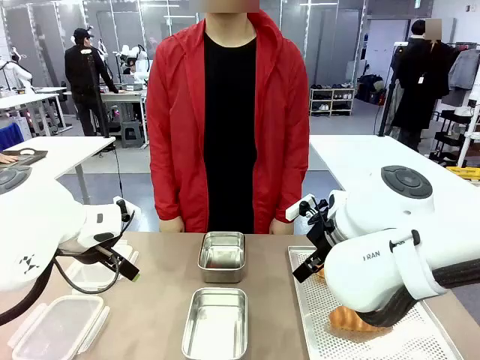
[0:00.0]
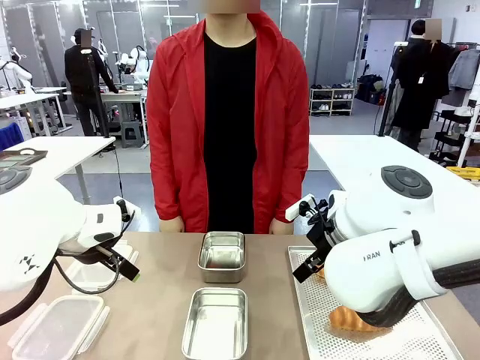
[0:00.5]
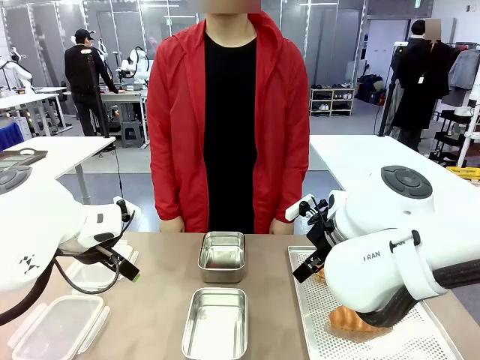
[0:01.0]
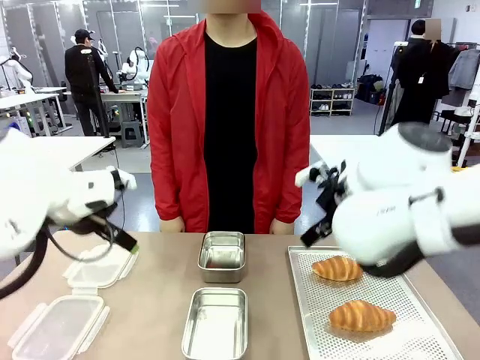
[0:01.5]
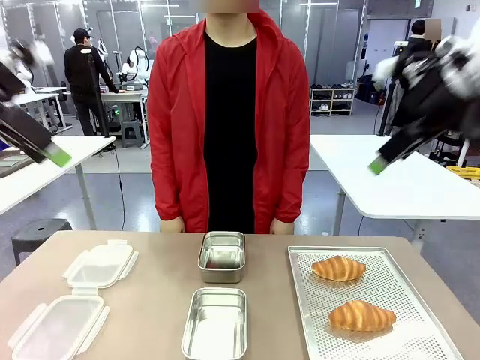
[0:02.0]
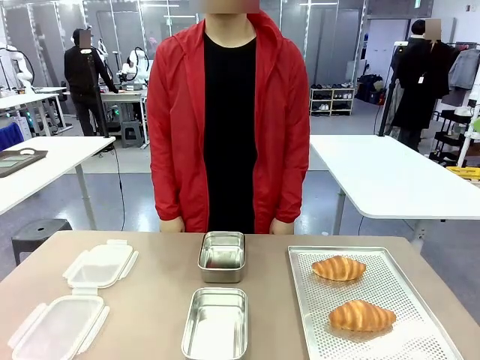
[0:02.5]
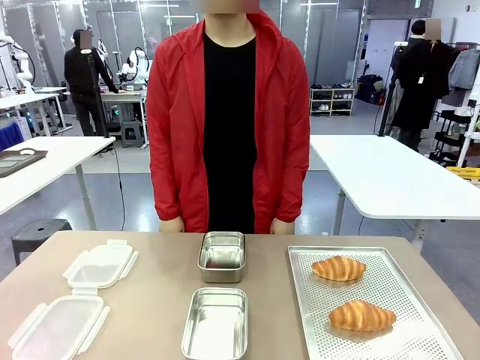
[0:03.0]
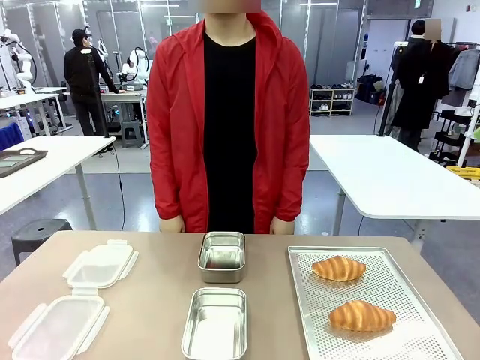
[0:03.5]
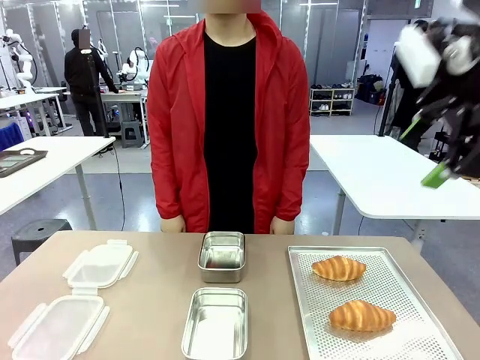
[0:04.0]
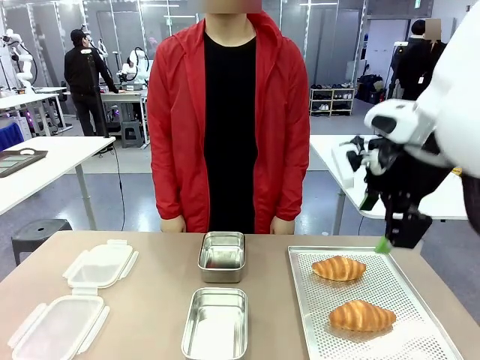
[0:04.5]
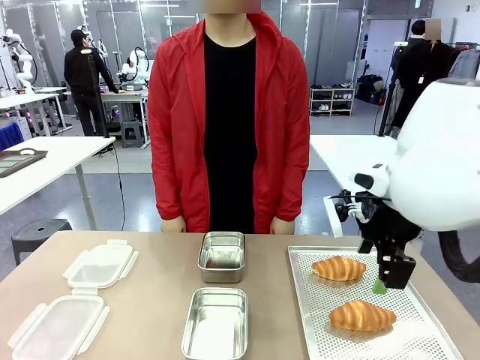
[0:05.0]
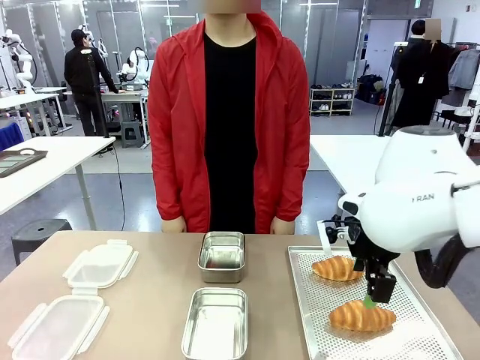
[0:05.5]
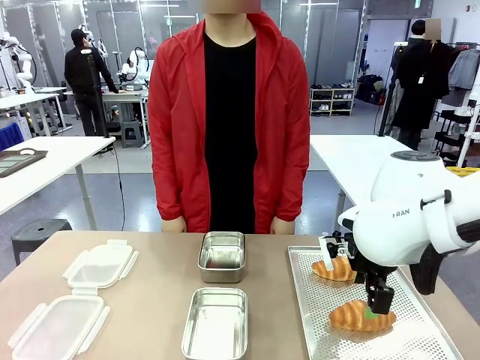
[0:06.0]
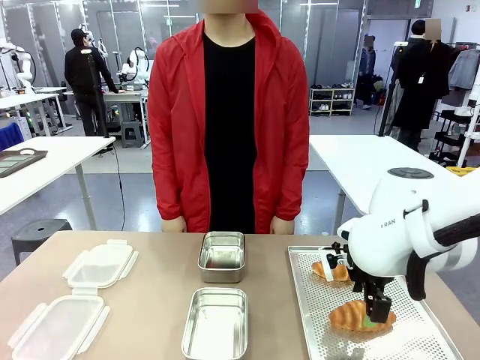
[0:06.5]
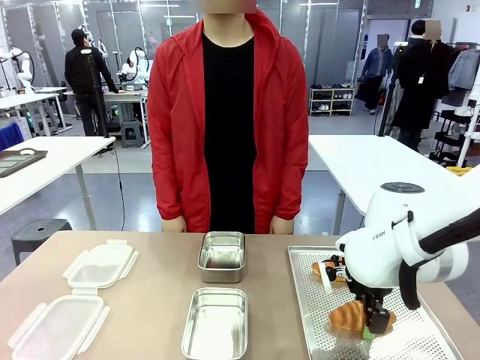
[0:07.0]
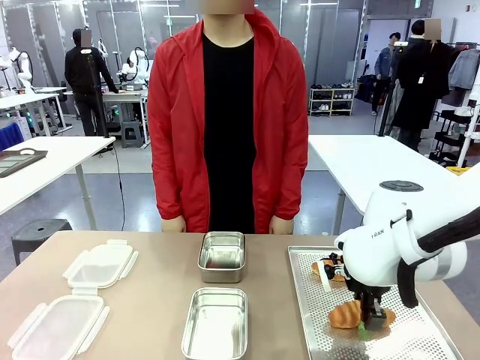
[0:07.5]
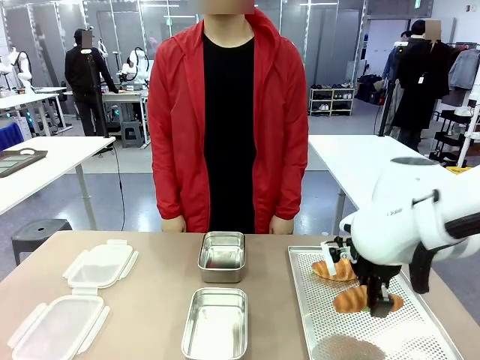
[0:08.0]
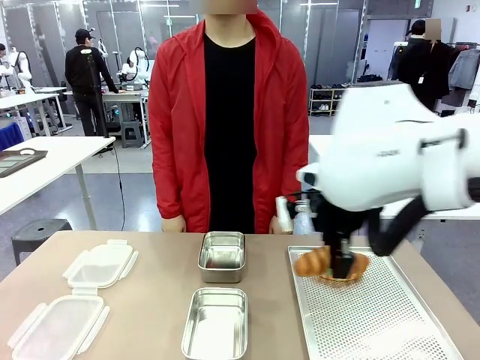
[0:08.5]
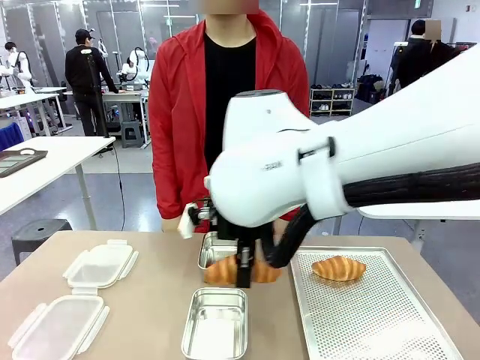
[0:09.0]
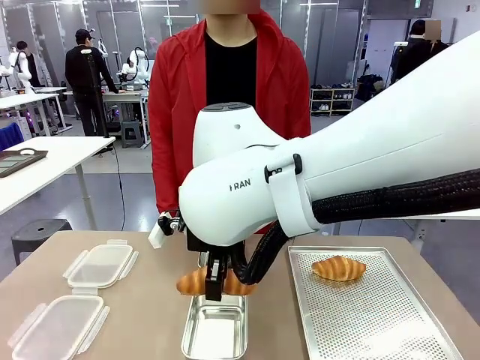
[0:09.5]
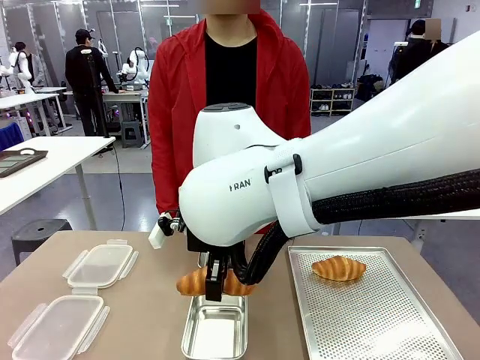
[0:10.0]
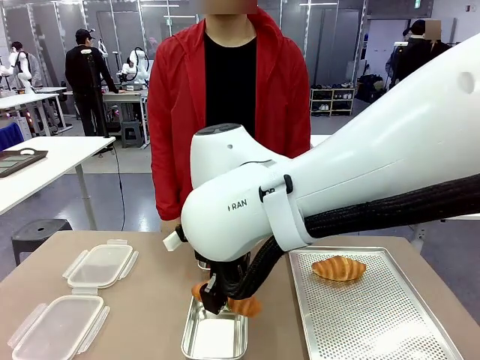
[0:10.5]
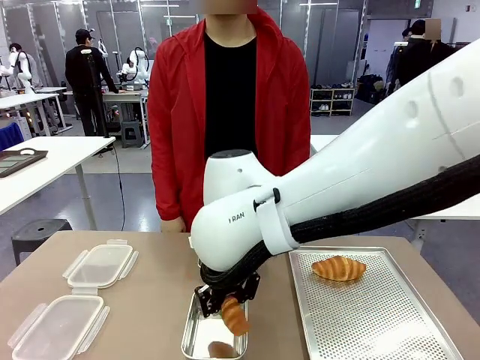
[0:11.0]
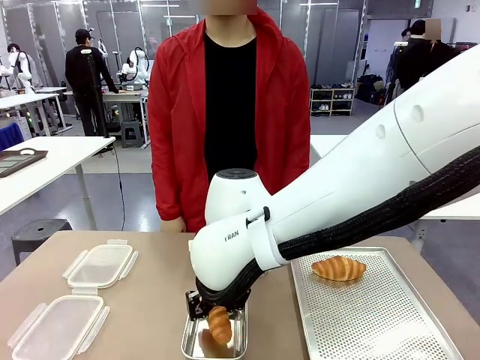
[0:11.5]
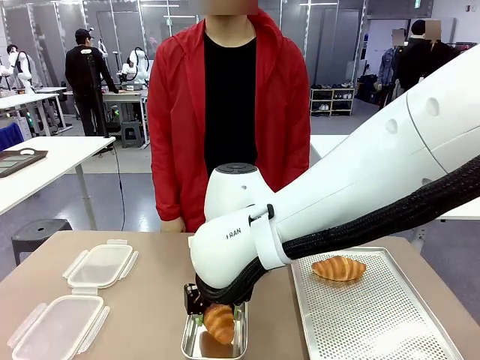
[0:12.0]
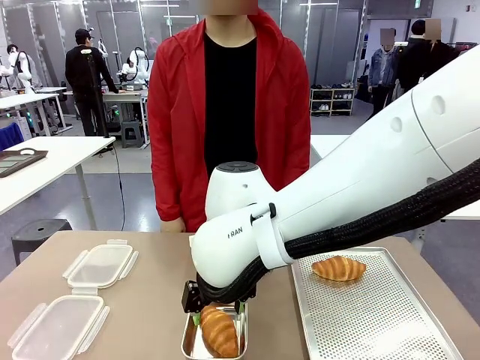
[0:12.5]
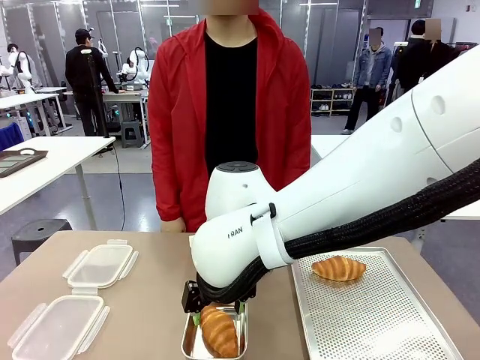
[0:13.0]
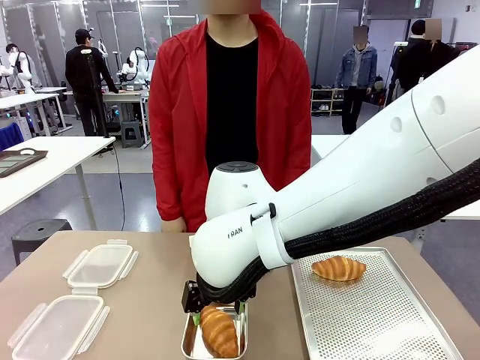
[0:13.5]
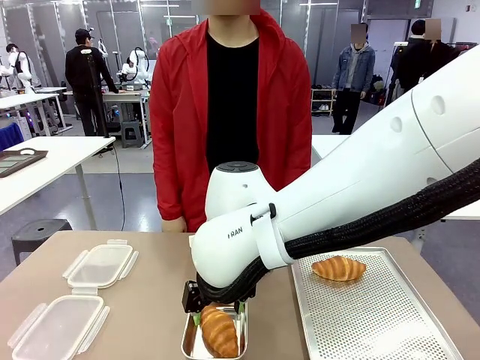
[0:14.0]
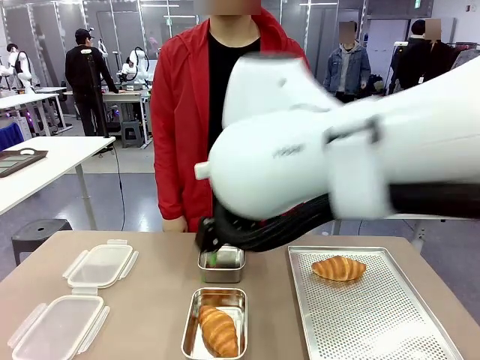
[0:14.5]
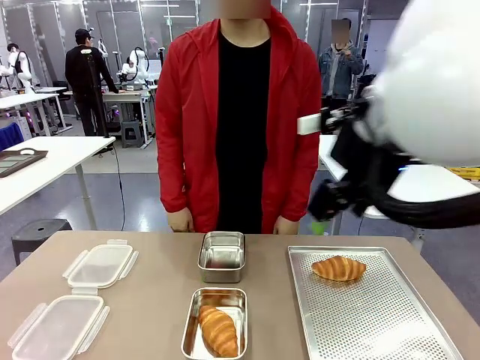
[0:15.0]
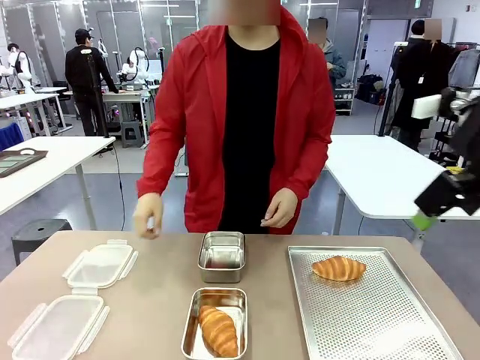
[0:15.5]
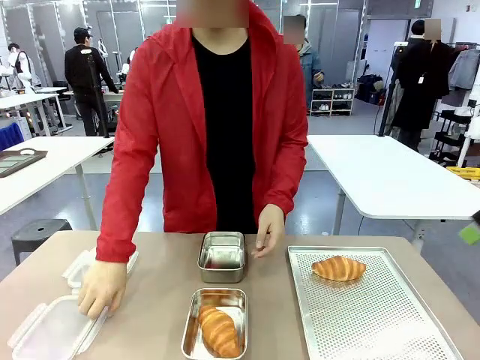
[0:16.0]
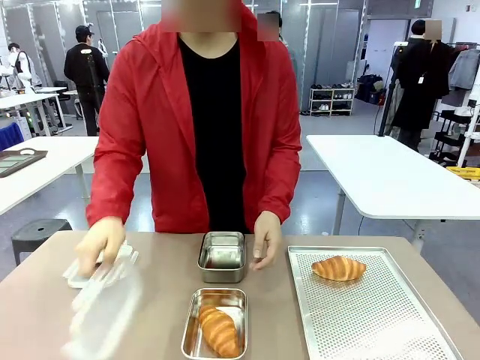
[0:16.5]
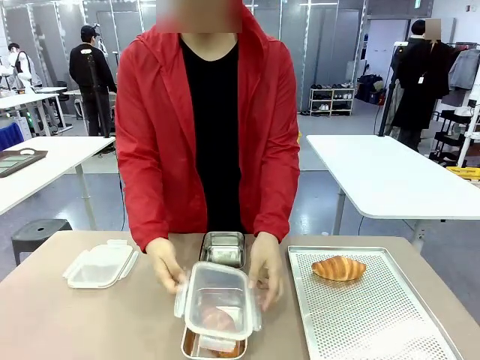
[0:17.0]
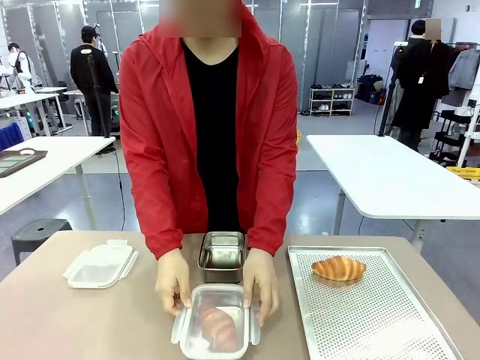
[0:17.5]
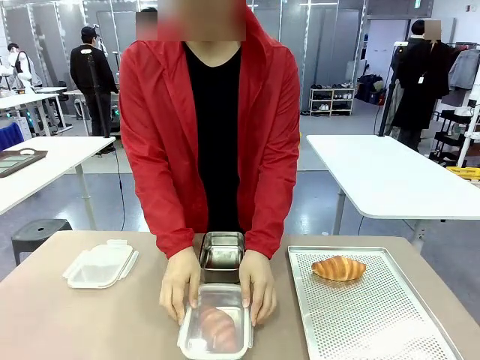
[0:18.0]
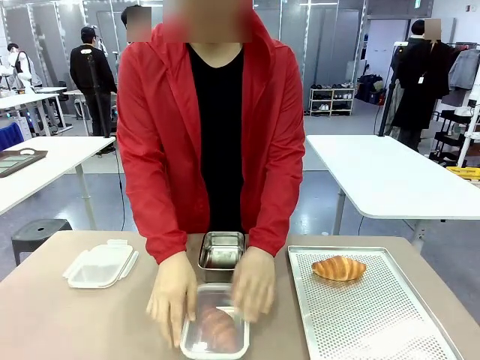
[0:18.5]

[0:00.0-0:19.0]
Task: Place the bread into the airtight container.
Robot: Pick up a Butter Roll and place it into an empty Airtight Container.
